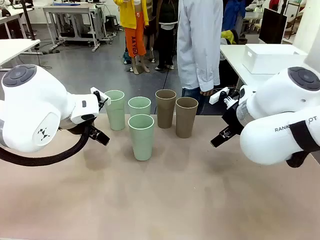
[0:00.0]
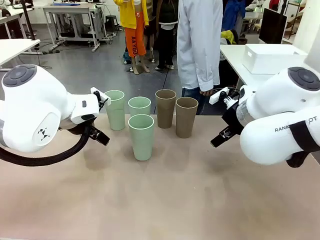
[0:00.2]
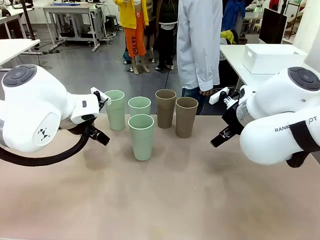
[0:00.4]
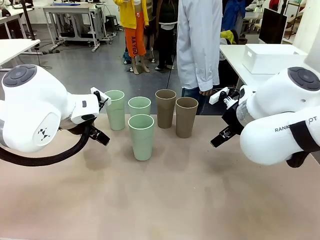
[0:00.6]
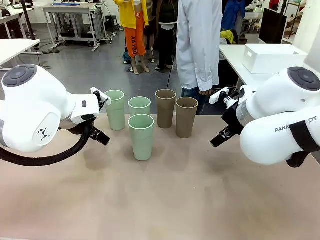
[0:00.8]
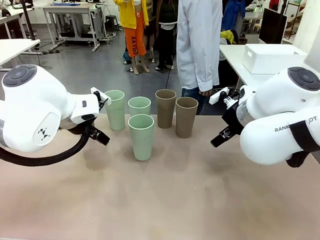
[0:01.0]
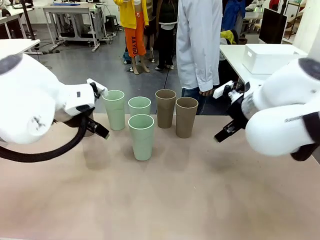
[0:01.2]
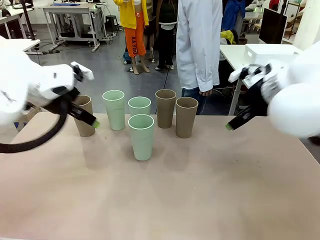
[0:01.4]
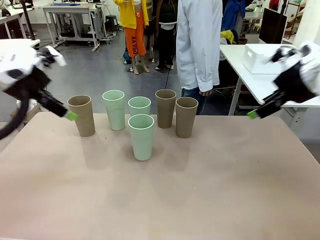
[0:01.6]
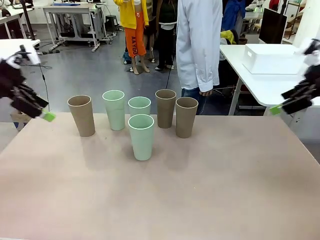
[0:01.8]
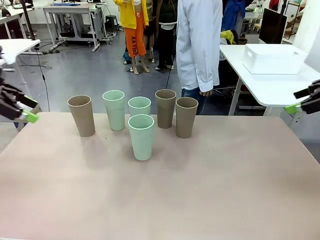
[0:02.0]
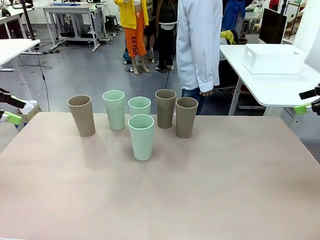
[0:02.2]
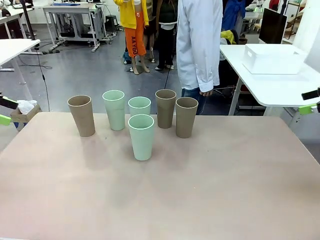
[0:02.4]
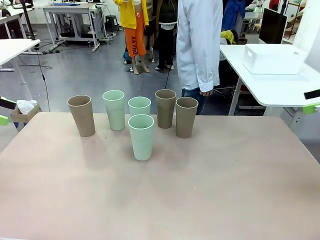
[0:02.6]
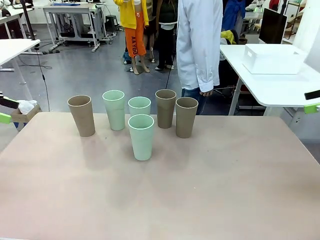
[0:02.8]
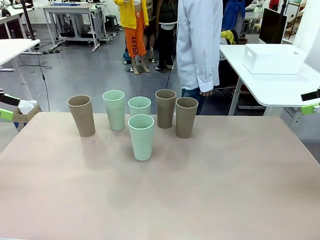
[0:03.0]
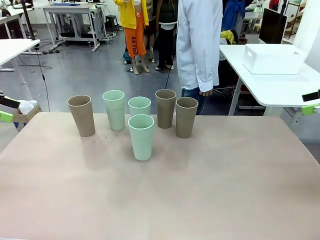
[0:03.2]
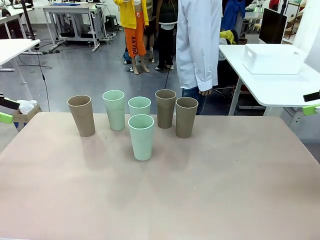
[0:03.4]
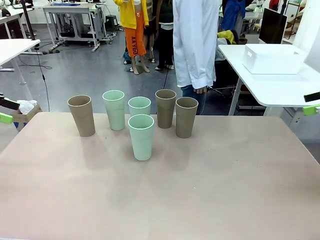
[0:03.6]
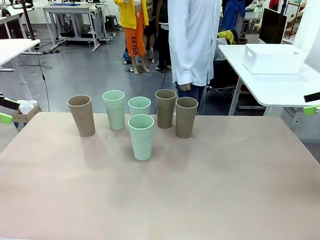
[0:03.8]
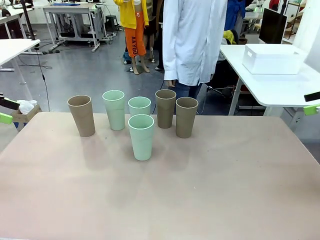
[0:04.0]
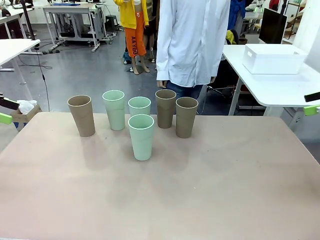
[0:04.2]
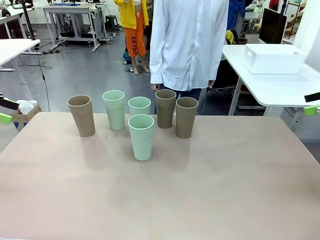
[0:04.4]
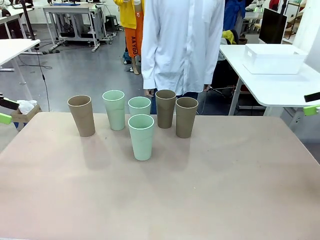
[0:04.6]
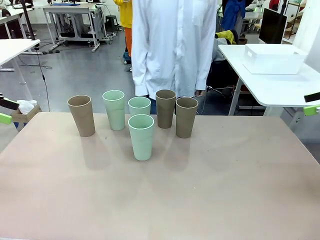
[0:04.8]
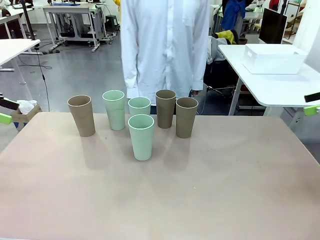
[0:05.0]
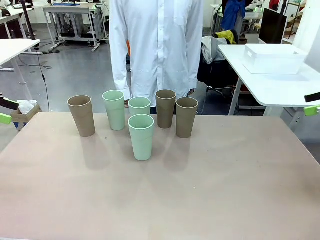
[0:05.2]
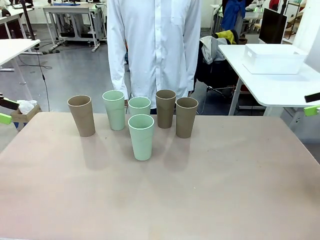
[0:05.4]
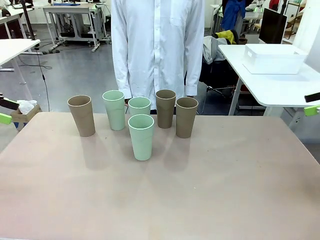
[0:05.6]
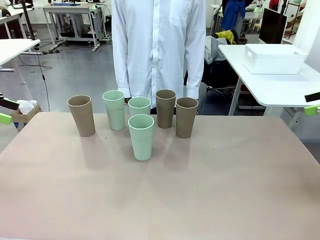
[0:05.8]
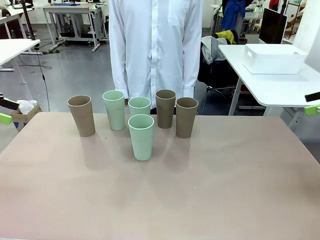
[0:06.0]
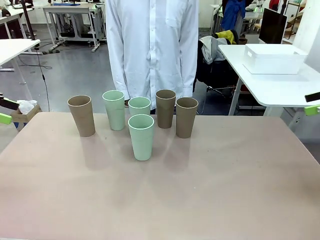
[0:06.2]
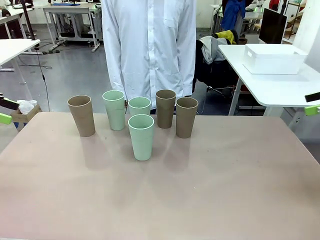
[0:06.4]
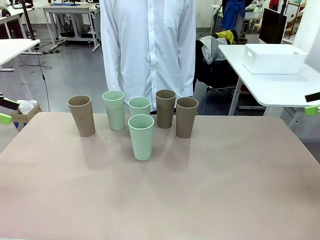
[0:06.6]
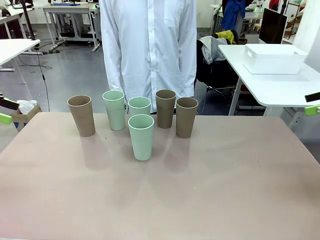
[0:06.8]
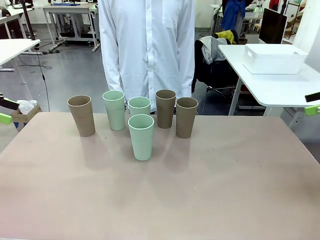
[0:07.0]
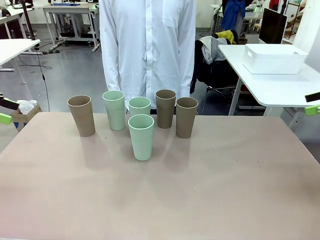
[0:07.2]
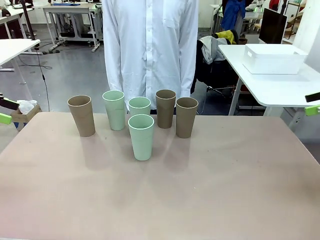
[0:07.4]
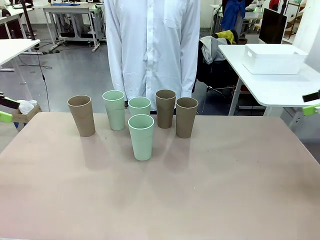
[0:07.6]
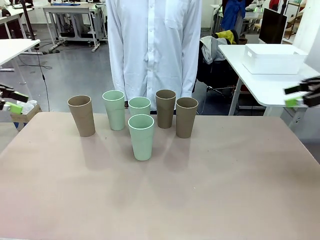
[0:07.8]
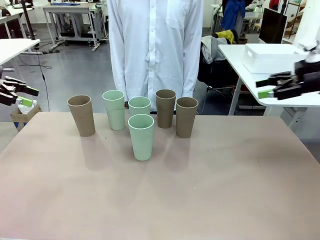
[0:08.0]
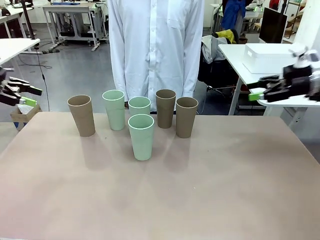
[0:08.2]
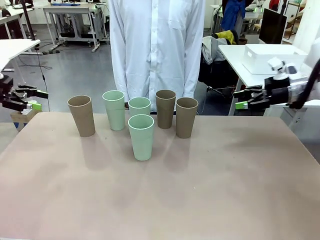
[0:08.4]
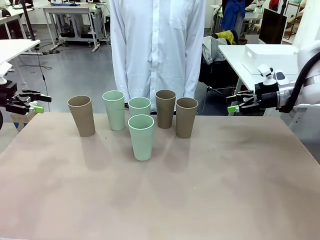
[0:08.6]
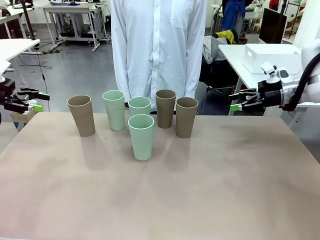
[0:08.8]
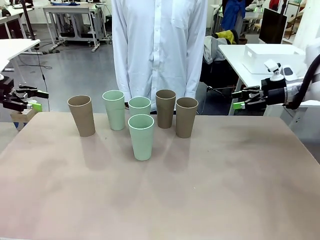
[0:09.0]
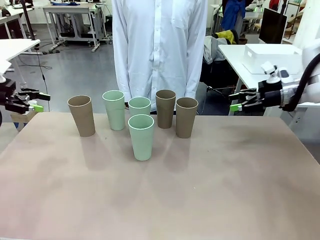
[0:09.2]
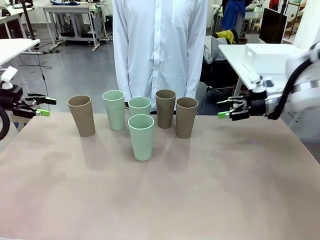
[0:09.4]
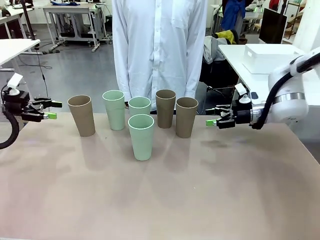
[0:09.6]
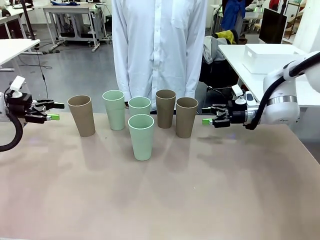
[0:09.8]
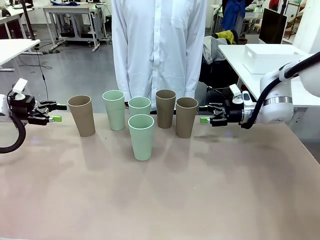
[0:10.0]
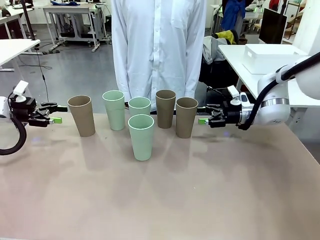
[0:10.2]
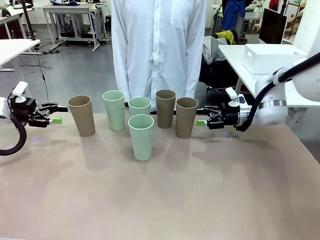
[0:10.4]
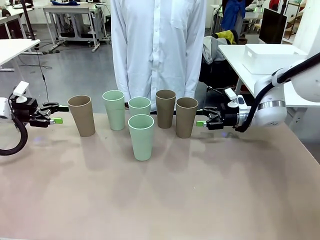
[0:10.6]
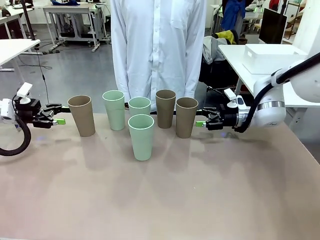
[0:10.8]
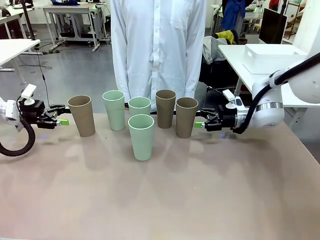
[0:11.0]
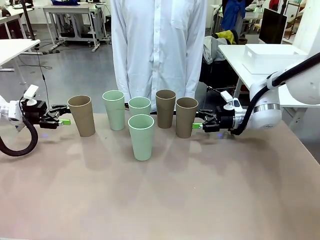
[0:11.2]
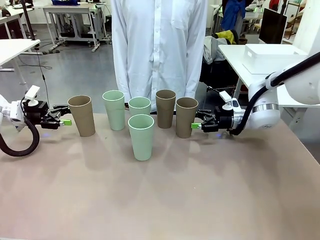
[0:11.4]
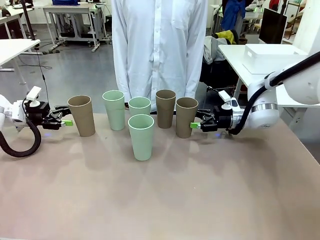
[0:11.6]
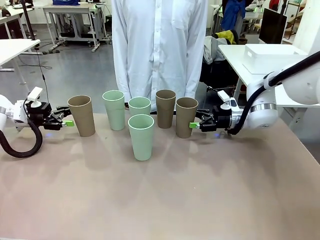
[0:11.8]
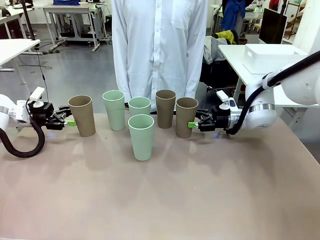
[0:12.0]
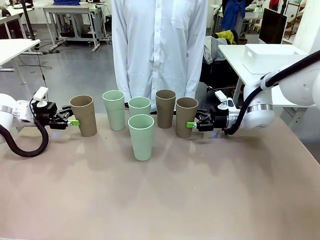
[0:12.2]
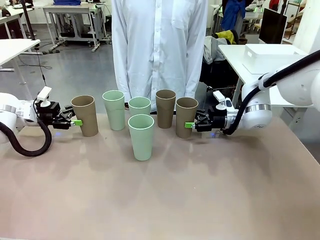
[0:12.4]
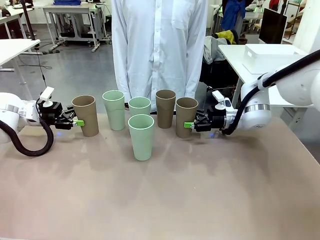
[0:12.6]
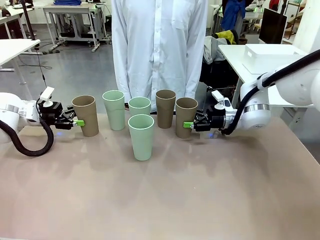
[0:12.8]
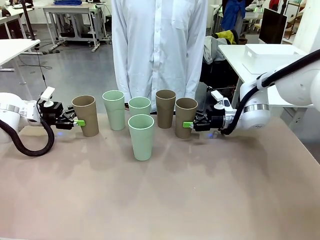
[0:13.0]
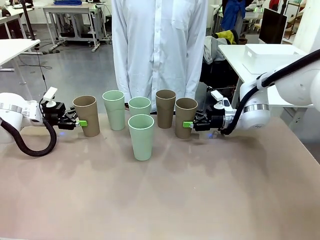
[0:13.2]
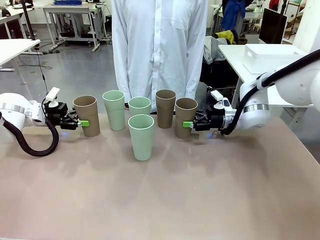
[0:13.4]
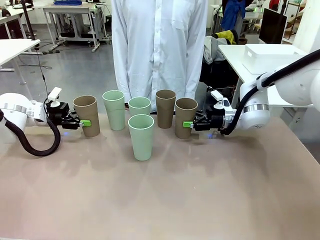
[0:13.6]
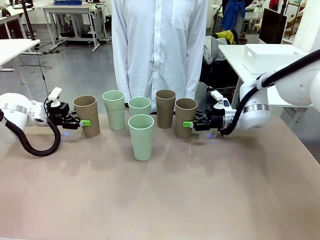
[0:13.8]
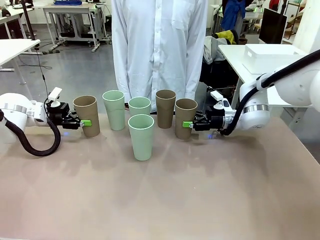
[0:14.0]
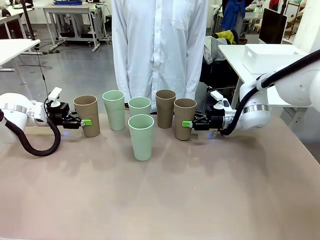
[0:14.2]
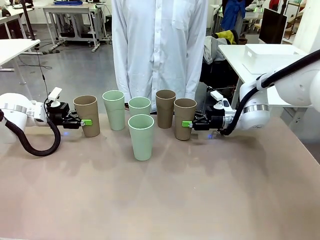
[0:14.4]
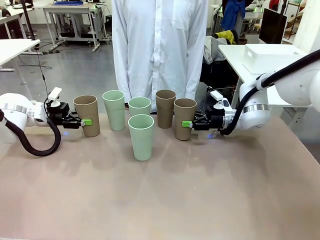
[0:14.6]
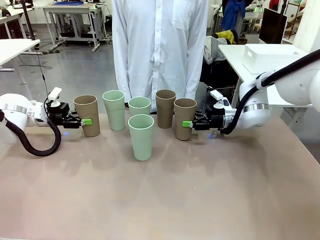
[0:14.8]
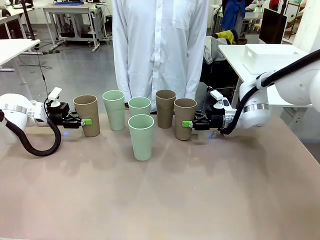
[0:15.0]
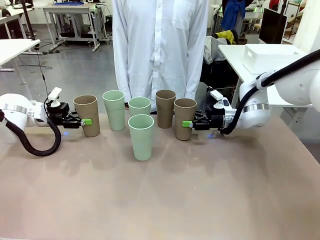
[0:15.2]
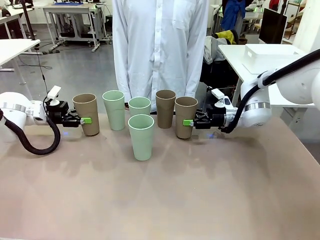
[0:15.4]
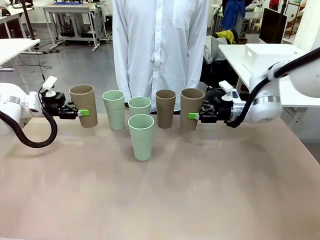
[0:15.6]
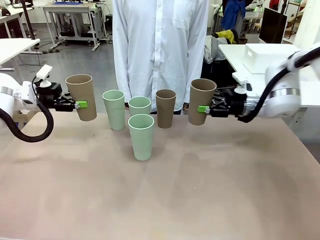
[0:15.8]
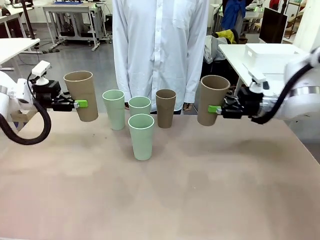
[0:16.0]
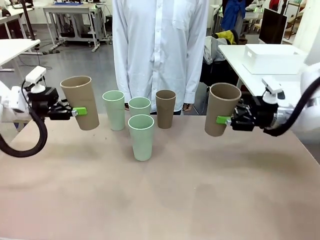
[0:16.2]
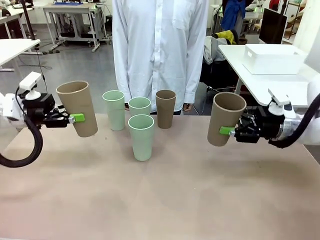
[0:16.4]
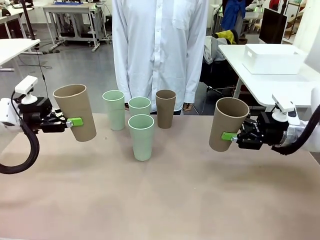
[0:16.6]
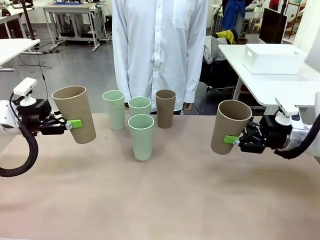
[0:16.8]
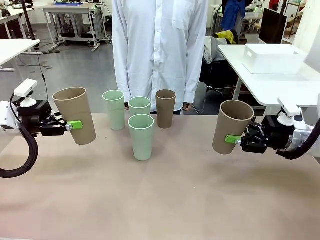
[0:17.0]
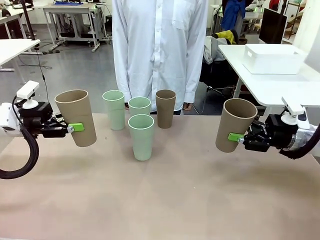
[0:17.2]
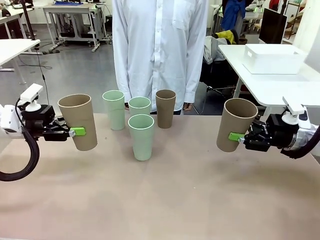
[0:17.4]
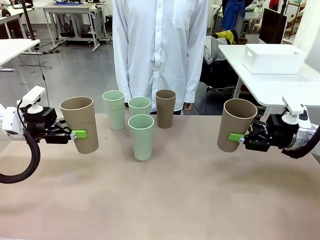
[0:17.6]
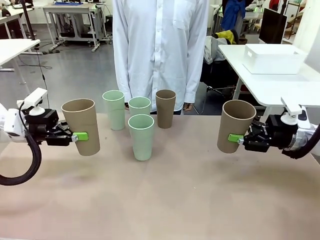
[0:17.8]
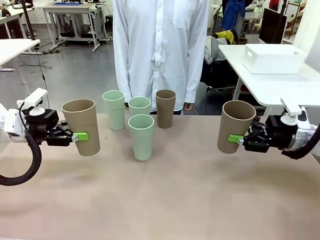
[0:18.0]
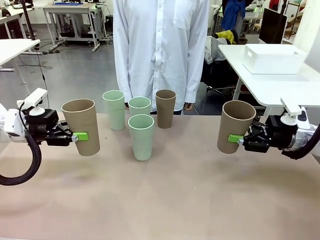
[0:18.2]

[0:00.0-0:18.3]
Task: Stack the cups and store them in the basket.
Robot: Pick up two Reusable plastic cups , one in each hand.
Person: Move from the Human Table to the front of the Robot Table. Stack two of the remaining cups on top of each cup held by the robot.
